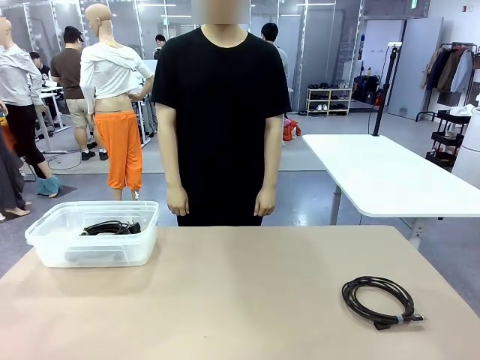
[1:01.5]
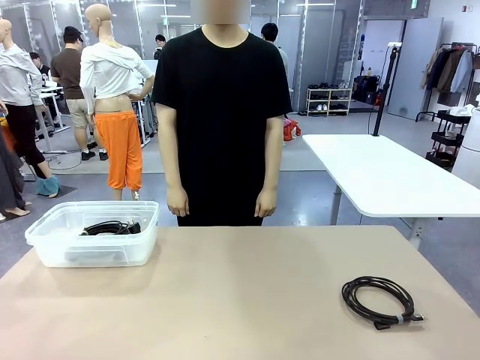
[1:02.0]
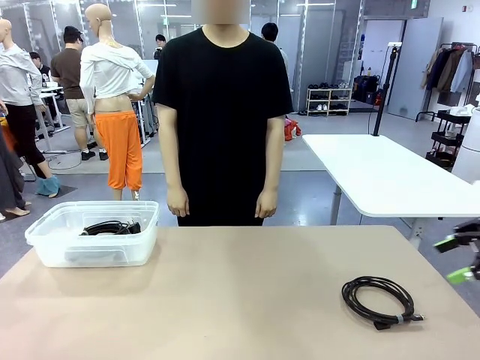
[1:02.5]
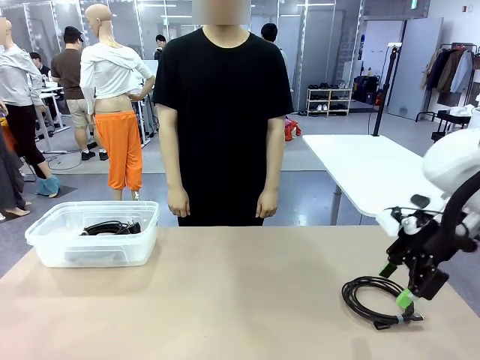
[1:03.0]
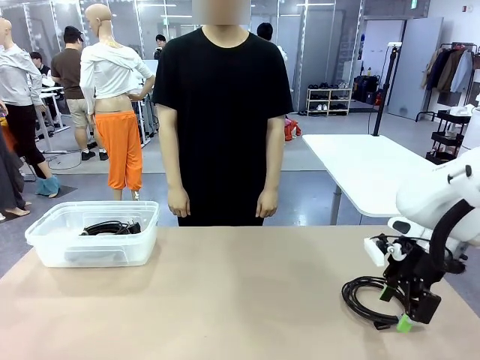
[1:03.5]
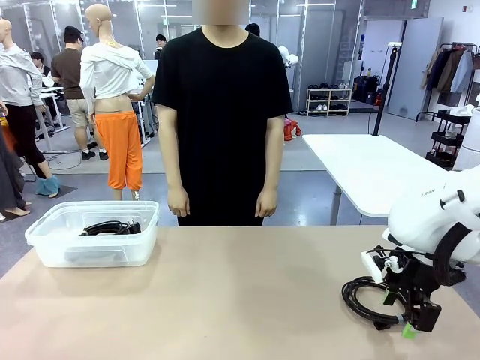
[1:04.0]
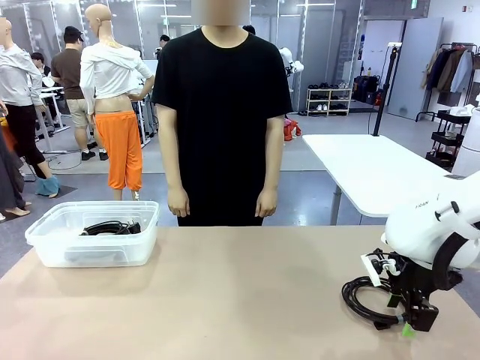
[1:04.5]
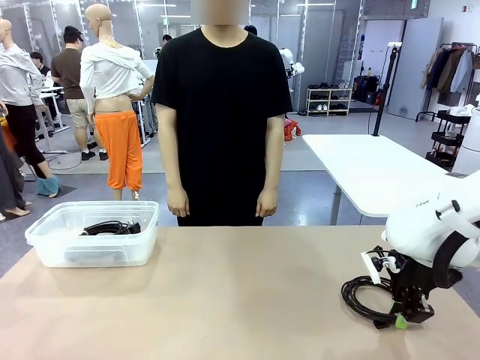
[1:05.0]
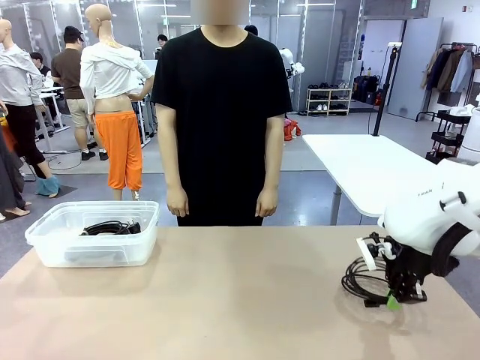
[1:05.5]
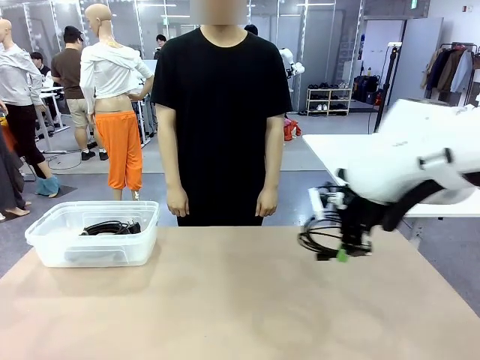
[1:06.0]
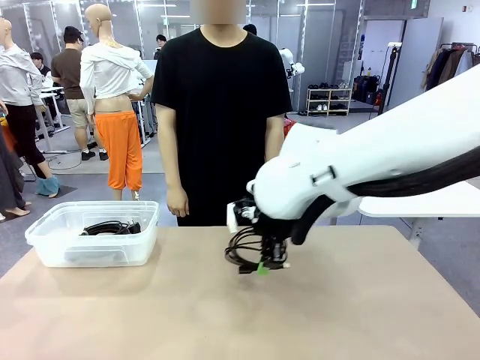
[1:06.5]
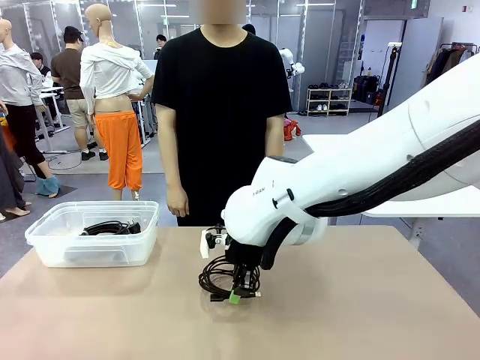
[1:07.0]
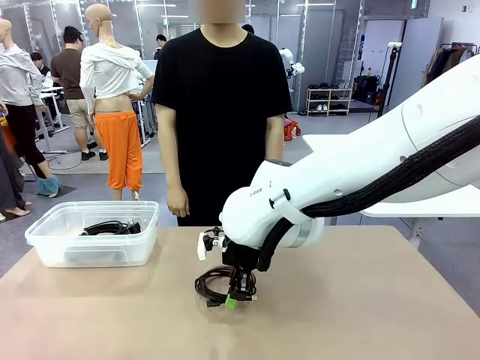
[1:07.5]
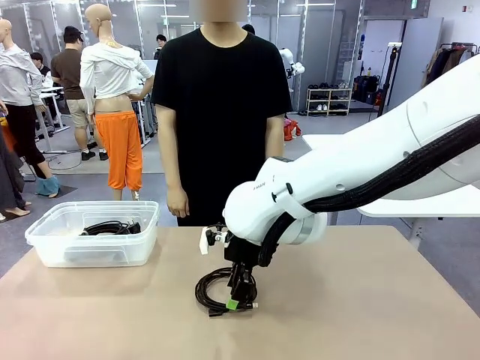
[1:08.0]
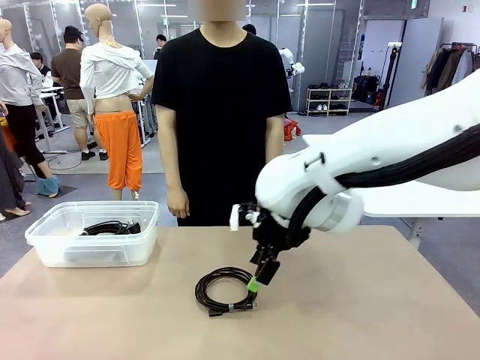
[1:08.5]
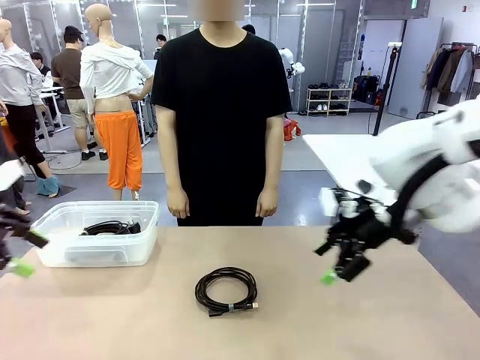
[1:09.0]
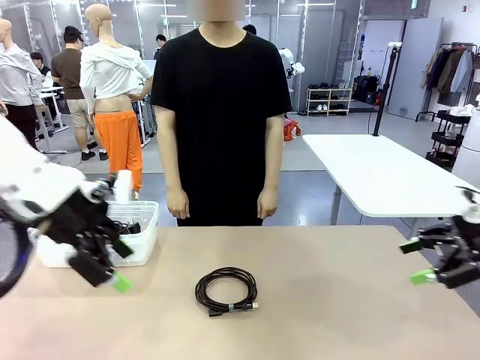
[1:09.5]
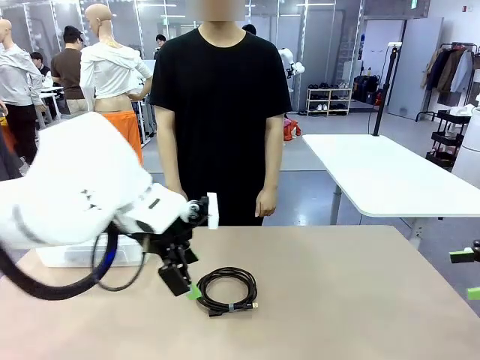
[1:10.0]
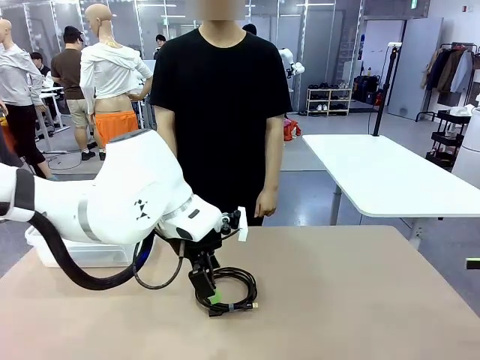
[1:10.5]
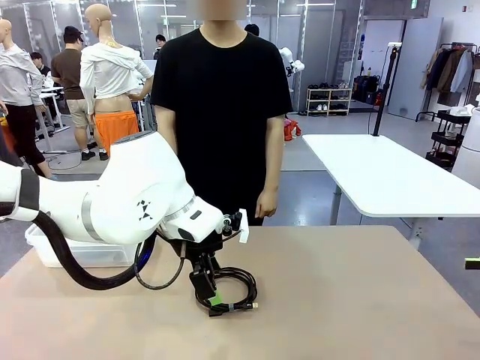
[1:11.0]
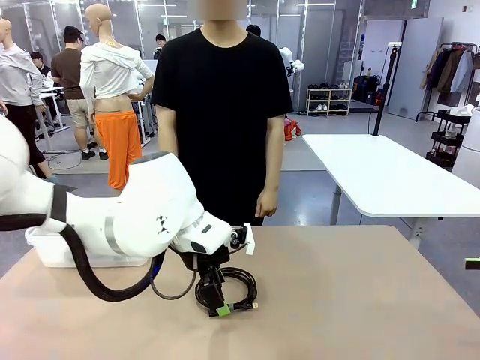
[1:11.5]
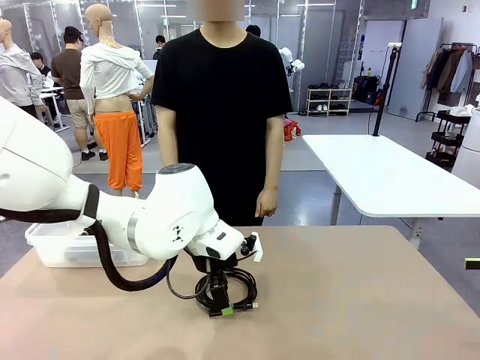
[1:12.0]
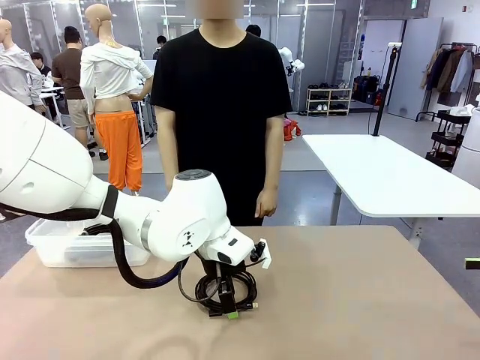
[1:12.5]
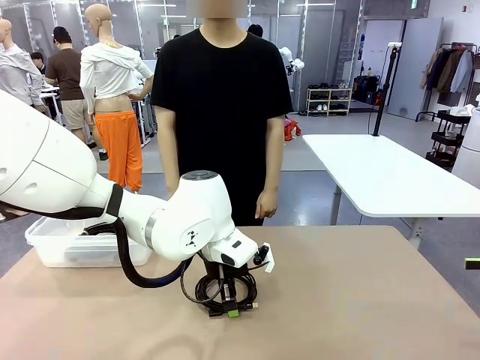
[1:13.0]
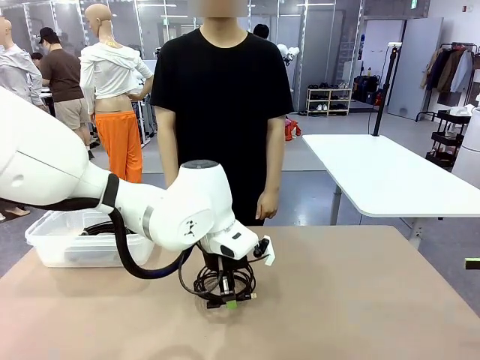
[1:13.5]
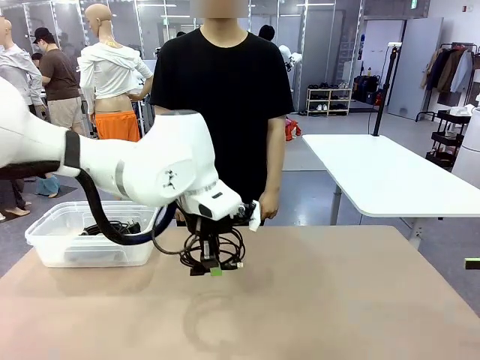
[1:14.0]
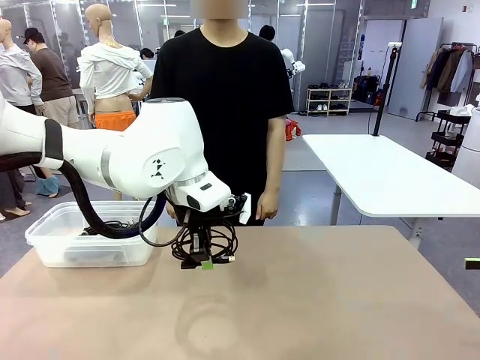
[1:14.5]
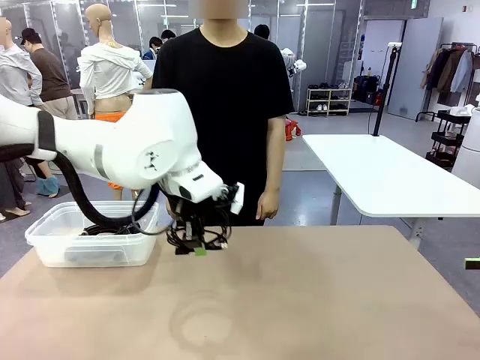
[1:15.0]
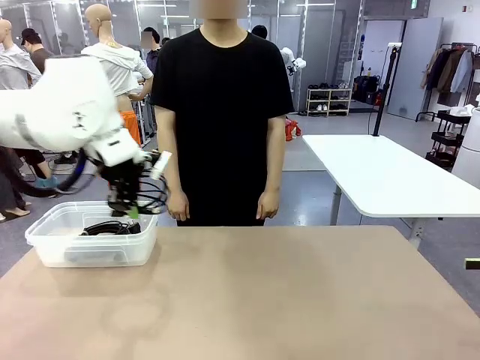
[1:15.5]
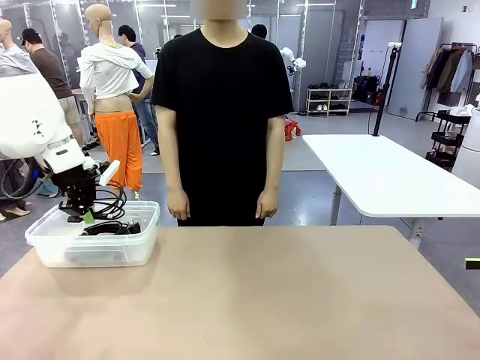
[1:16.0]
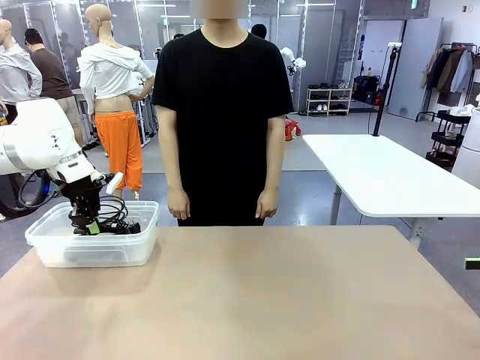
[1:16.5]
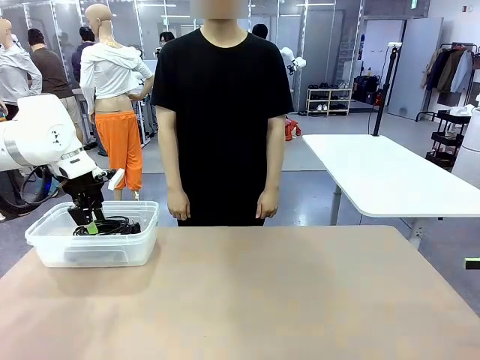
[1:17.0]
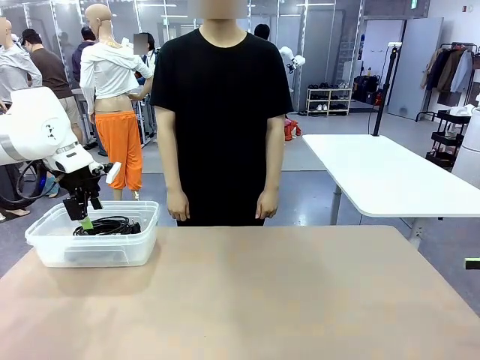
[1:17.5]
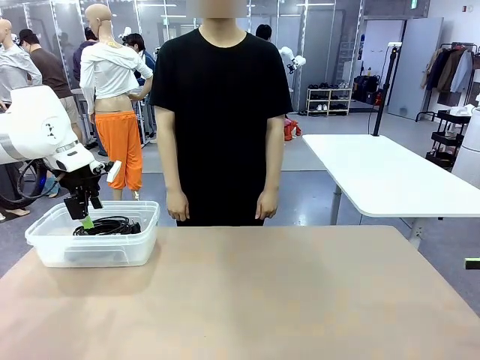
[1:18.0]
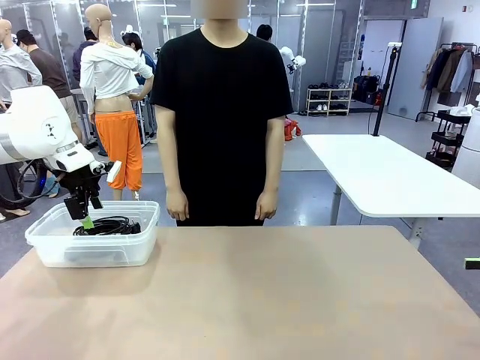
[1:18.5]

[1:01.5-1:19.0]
Task: Organize and store the cables.
Robot: Place the USB Extension Cable into the Organizing box.

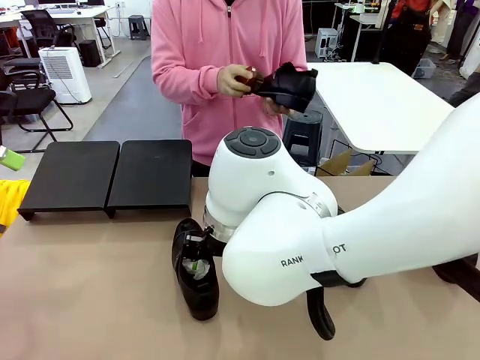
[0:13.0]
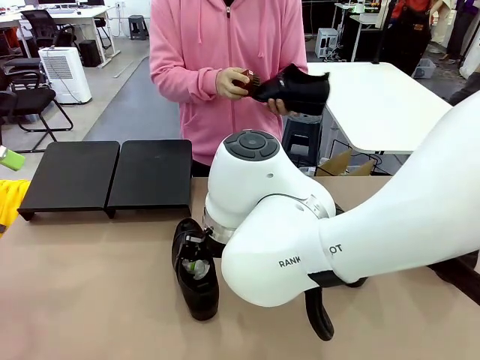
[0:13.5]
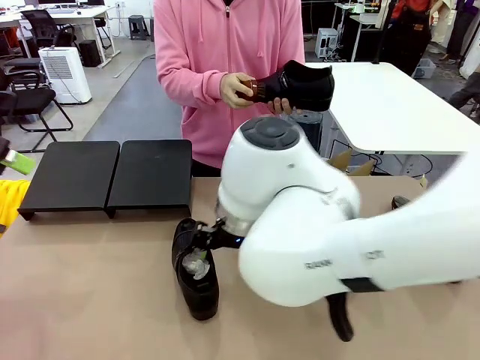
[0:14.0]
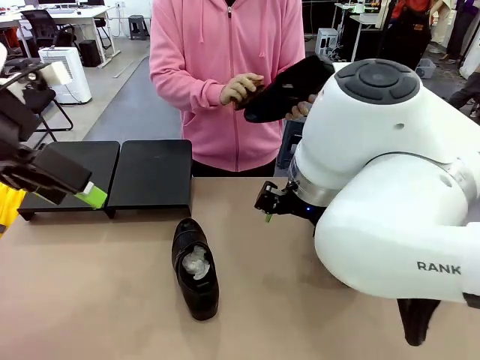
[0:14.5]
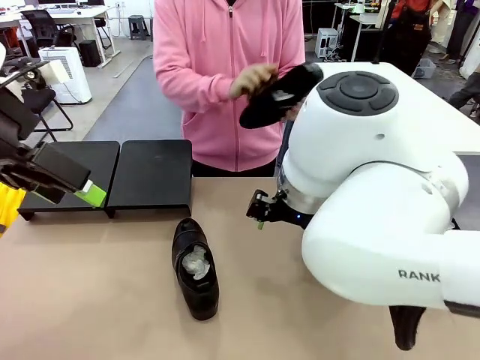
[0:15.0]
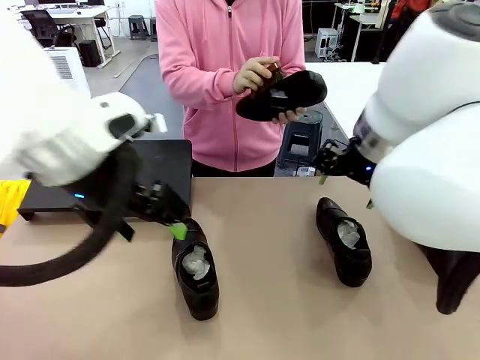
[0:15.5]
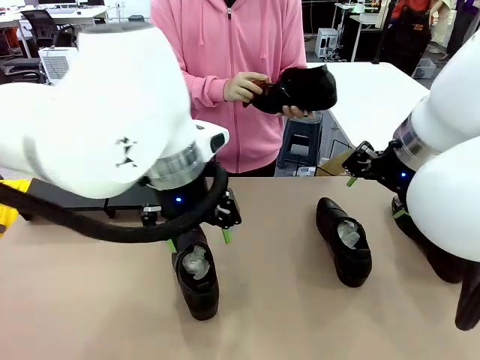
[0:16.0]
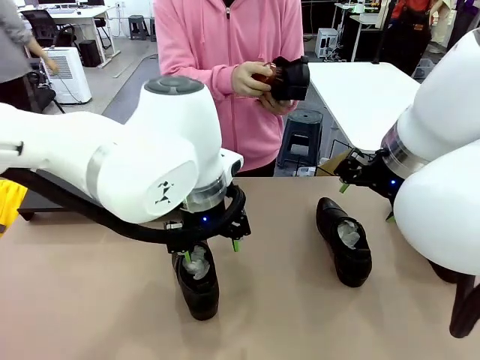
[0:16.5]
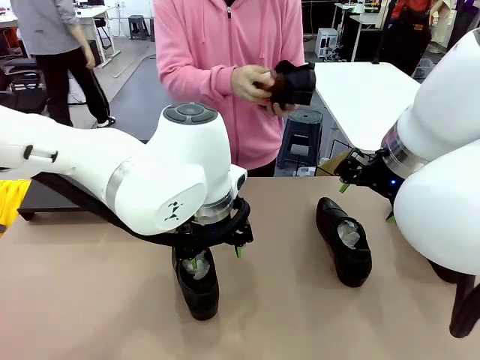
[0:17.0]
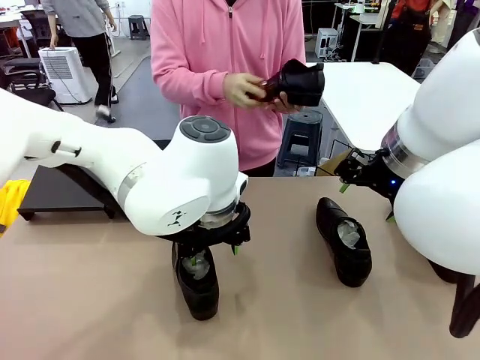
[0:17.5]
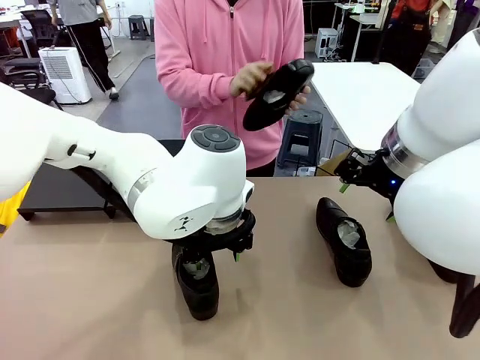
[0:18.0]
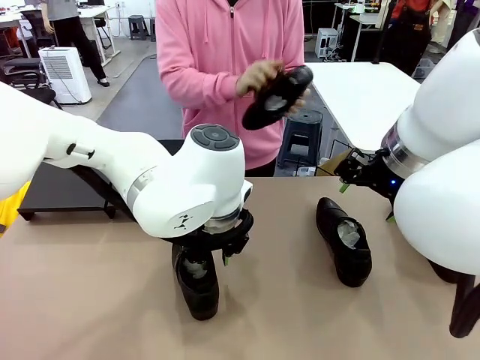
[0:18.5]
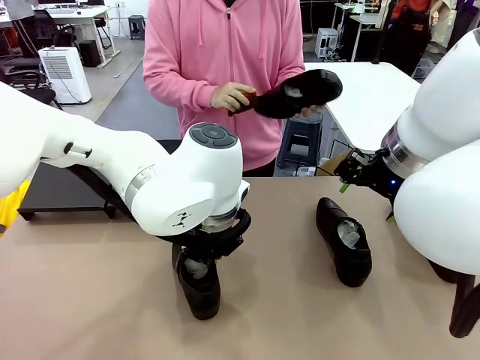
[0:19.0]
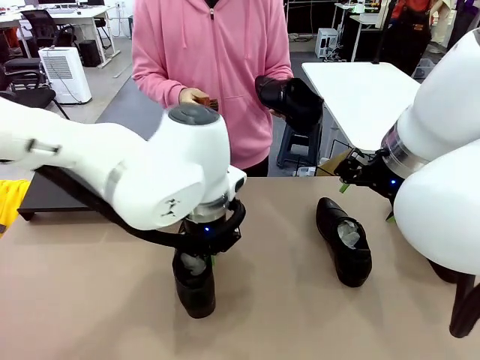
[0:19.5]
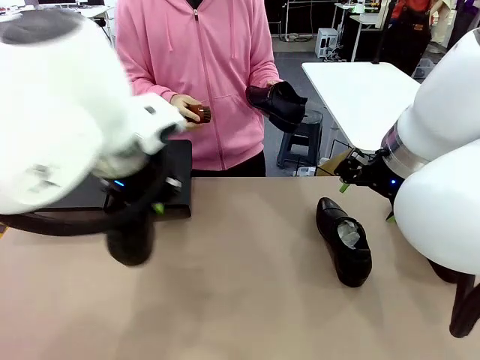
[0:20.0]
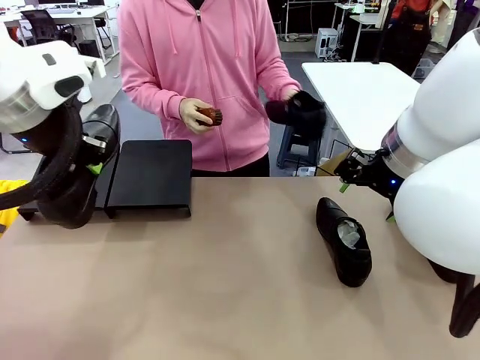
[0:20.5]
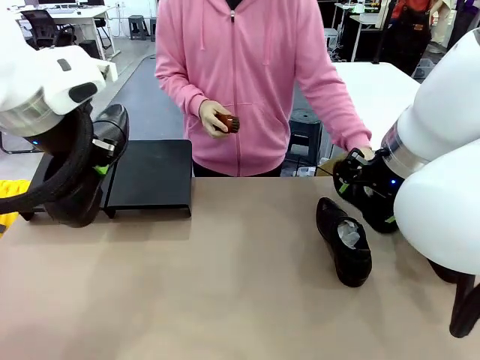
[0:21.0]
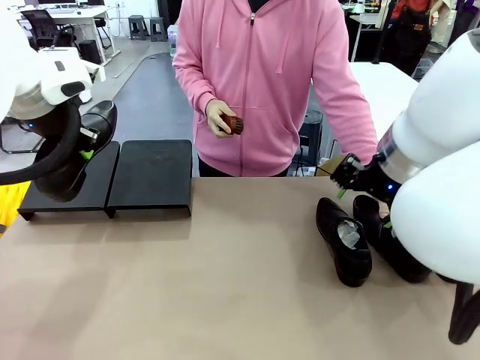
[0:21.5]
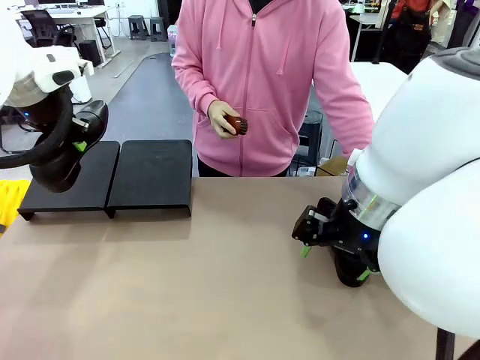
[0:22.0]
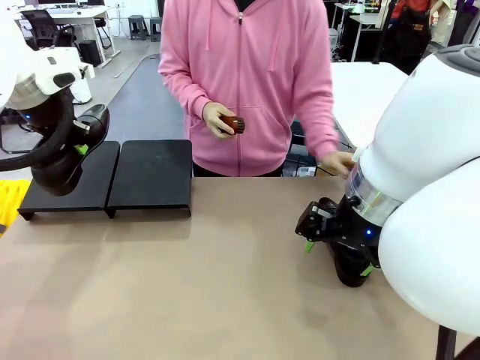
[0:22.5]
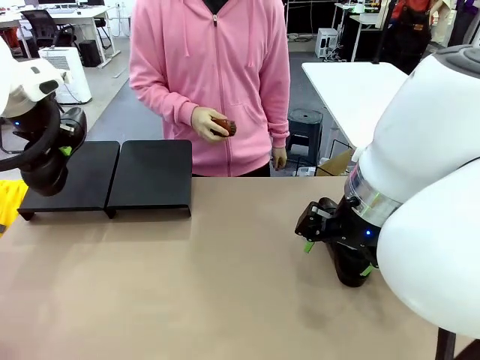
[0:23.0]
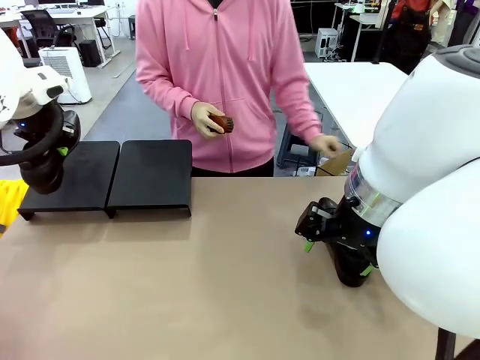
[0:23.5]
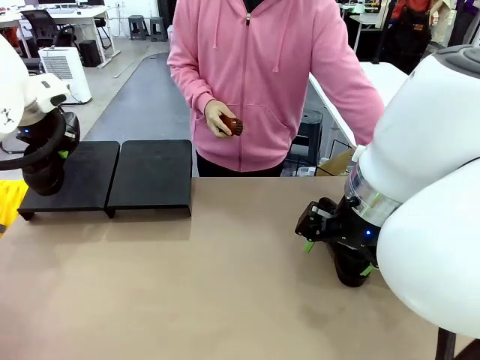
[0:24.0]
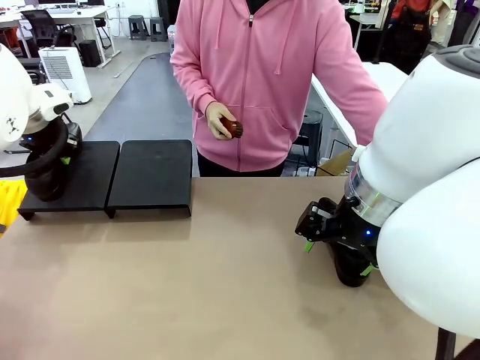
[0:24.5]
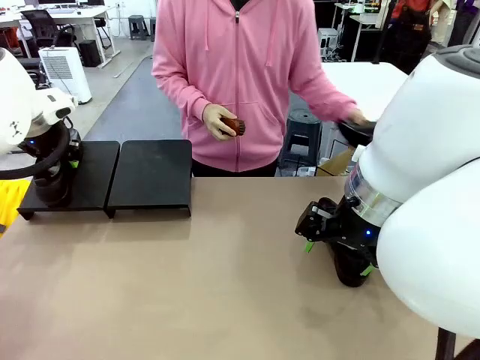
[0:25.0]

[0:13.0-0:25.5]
Task: Organize the shoes by placing them on the stand.
Robot: Place the Shoe from the middle of the table onto the Shoes Stand.
Person: Place the Shoe on left side of the Robot's table. Pick one Shoe on Robot's table.
